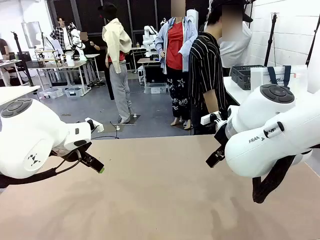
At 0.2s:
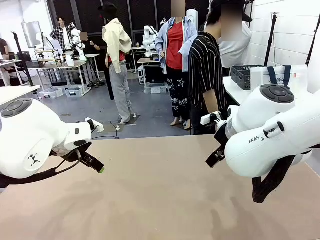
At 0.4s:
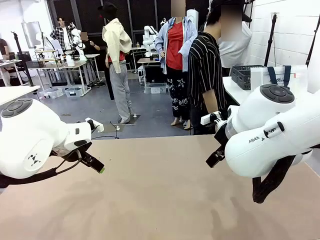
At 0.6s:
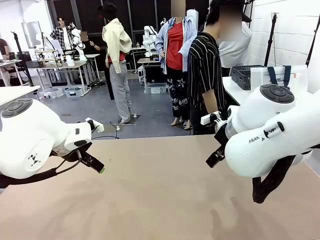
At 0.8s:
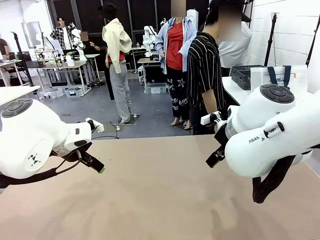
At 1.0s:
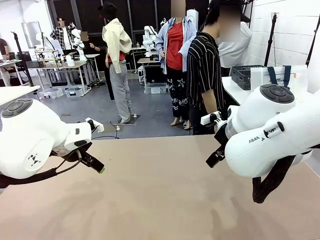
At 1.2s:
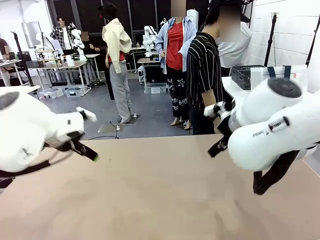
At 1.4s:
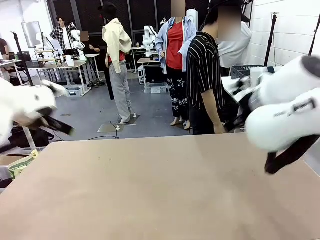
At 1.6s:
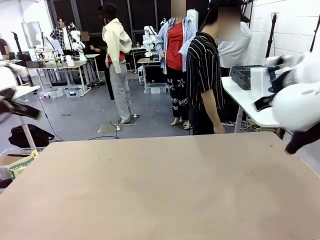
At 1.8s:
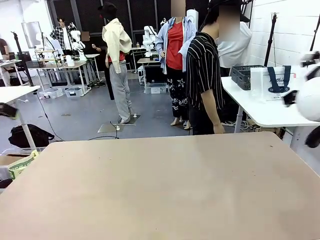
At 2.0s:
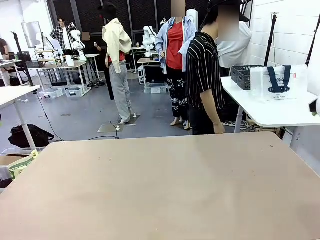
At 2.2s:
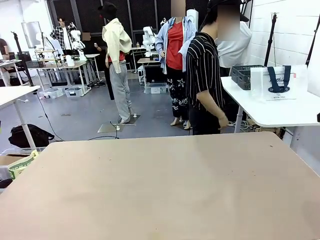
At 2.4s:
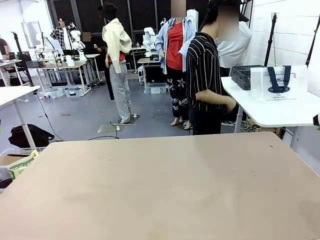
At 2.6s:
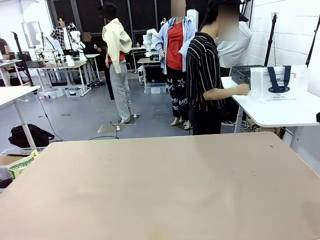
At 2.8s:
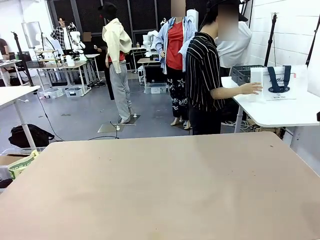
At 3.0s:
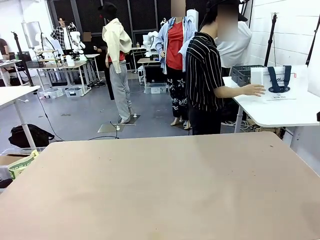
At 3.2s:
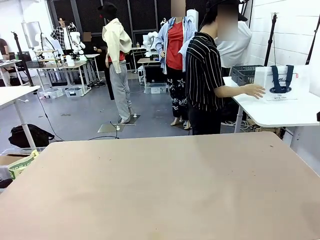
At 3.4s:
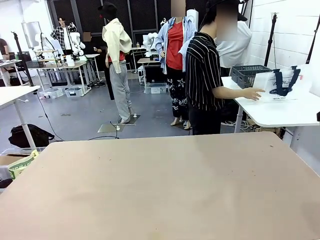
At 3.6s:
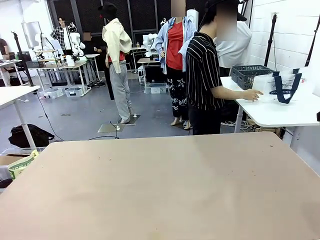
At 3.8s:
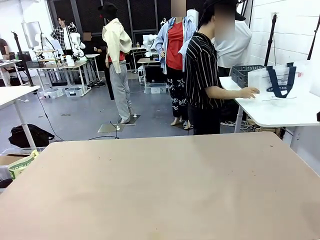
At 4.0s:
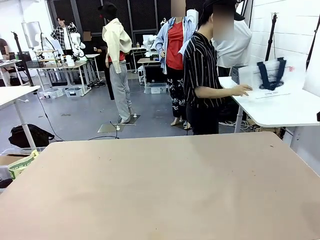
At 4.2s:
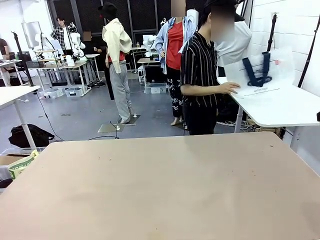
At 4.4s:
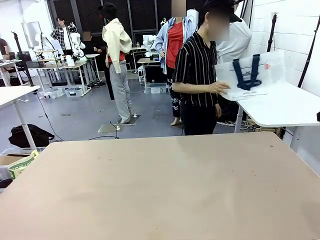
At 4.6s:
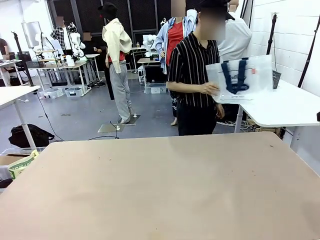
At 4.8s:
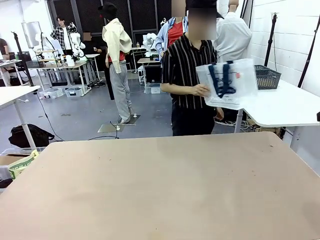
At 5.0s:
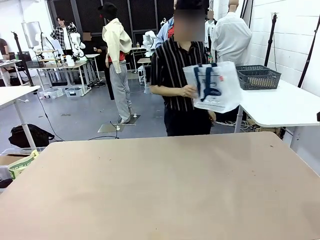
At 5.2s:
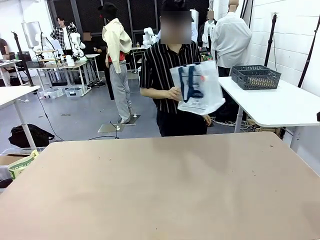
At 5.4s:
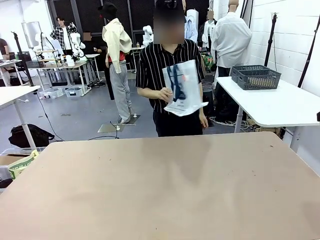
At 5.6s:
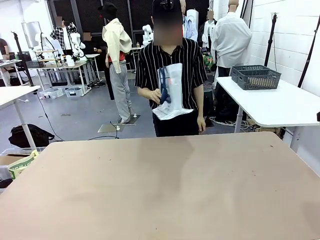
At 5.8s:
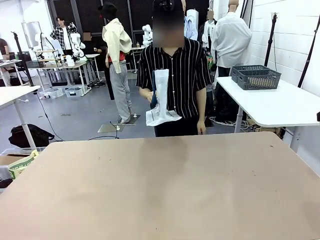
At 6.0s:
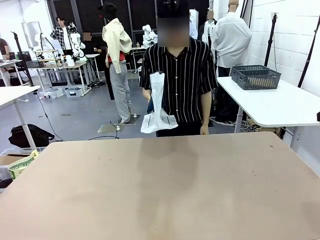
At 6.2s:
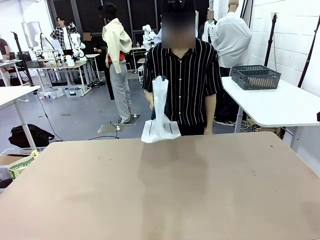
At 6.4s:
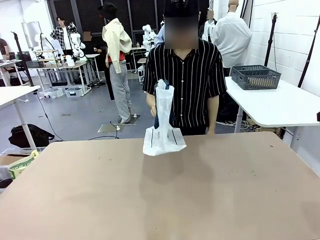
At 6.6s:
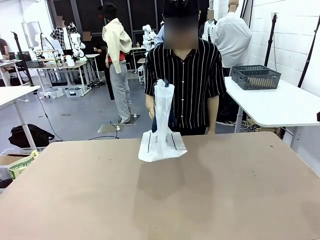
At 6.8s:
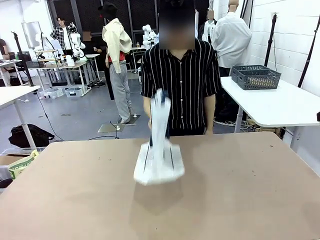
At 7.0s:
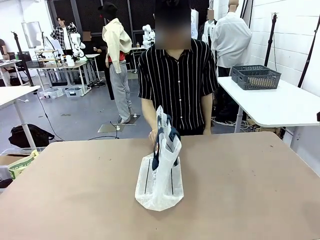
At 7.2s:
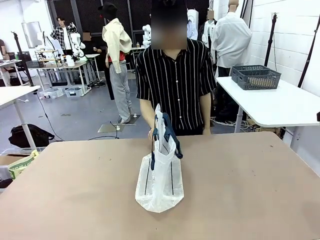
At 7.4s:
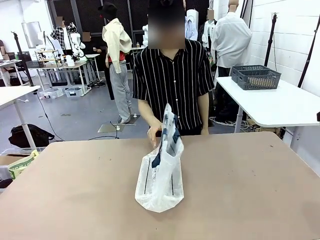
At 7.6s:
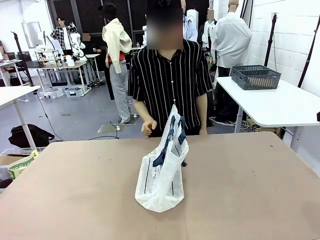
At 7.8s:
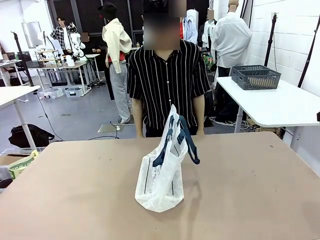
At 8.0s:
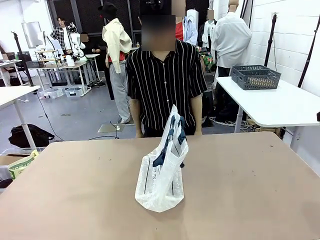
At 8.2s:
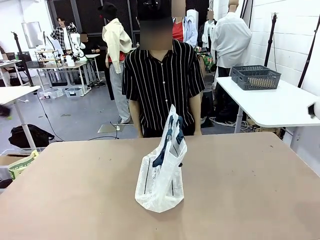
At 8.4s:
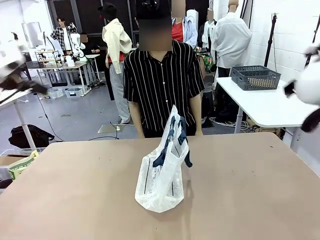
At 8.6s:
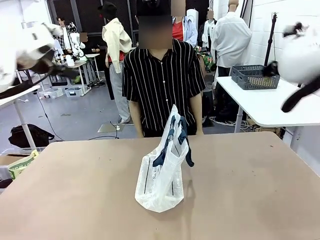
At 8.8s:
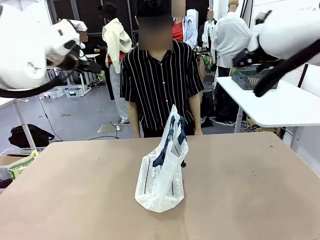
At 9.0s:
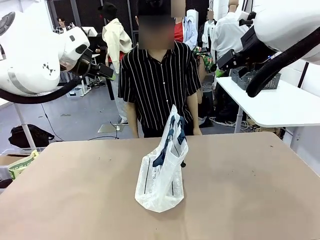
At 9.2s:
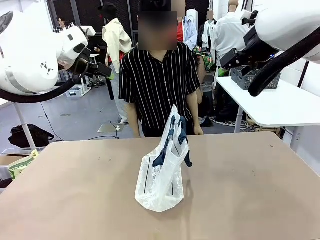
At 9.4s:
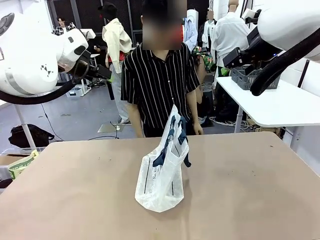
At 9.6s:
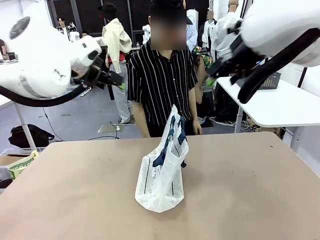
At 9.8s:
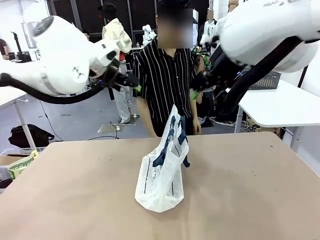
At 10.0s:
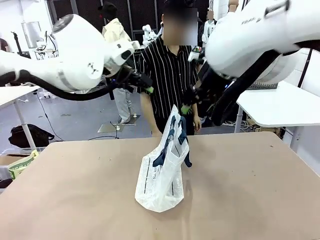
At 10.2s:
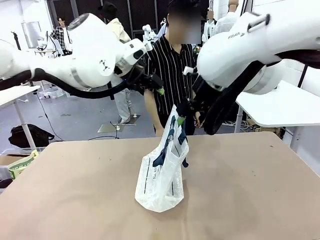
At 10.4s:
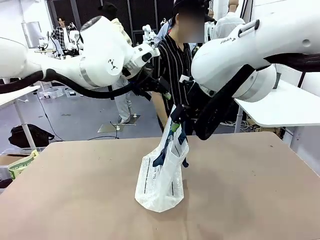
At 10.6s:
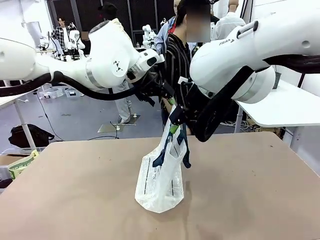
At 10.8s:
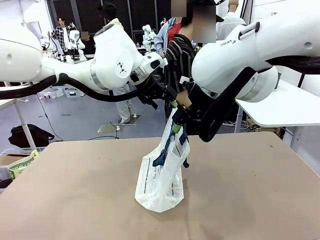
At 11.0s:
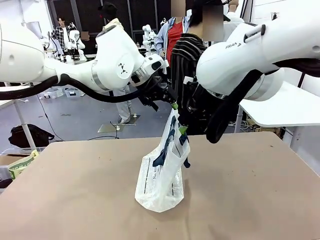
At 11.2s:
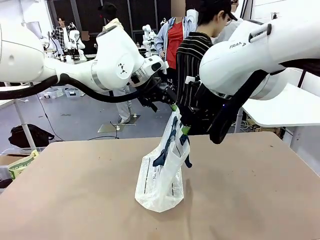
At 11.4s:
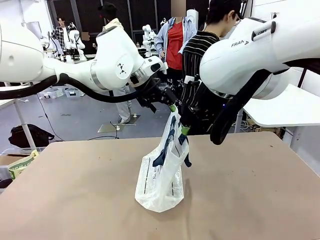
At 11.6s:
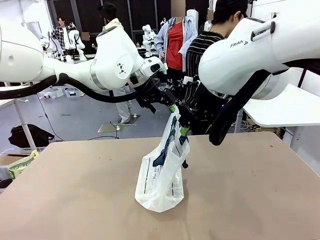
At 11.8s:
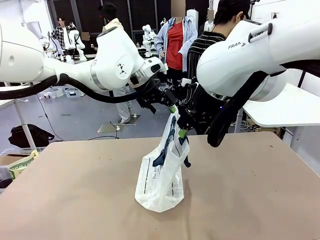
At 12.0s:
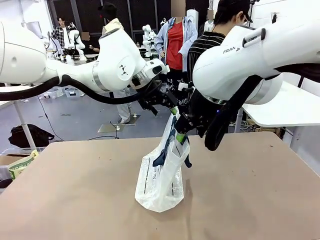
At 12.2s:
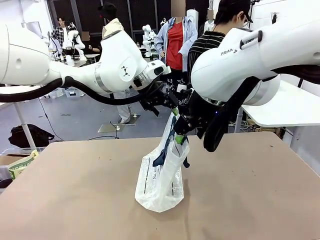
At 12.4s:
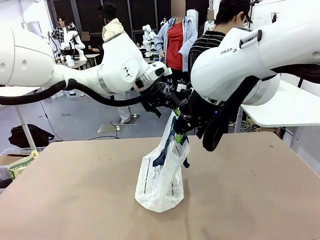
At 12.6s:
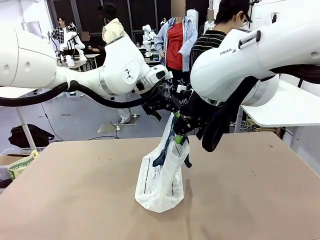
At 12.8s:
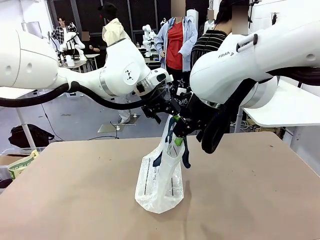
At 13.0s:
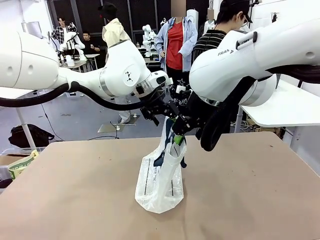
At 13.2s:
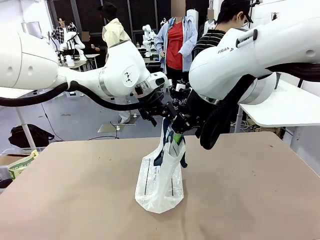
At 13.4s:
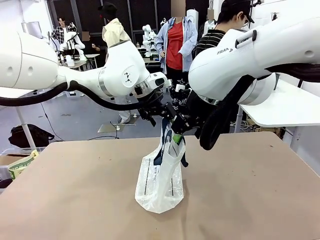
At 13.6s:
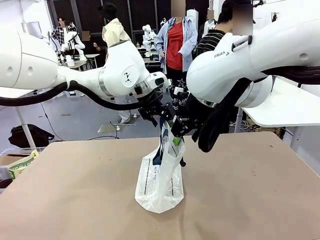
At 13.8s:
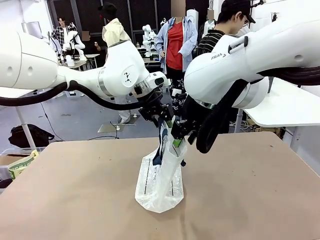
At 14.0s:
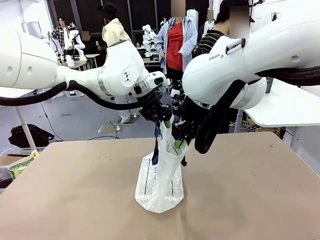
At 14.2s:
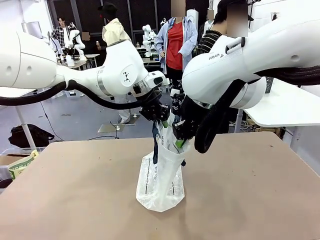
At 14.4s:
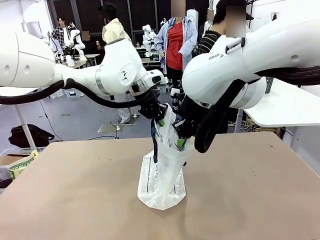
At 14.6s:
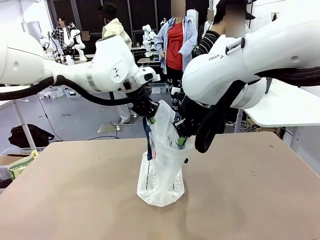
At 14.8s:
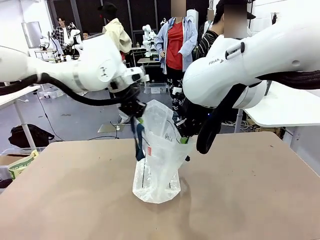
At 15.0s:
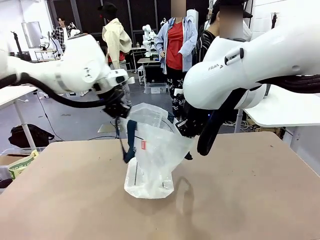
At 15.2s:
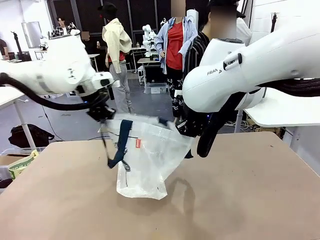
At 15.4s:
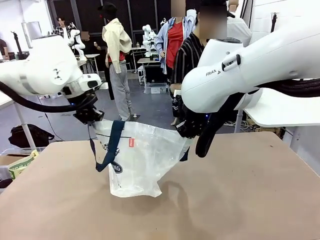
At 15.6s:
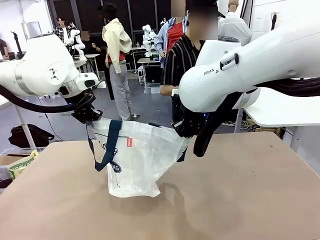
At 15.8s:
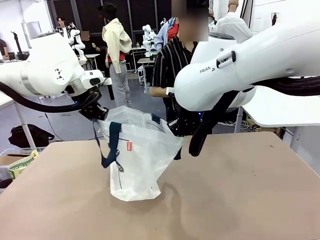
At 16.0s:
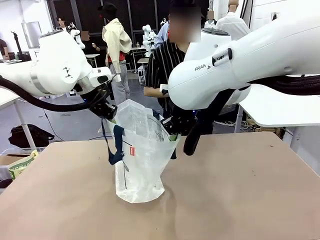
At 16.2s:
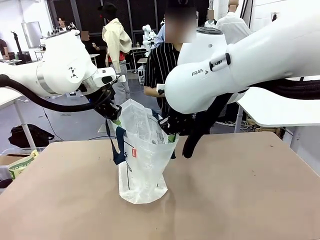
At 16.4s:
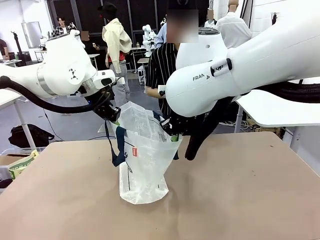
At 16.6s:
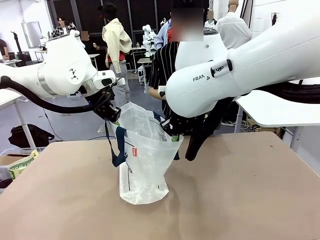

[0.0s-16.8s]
Task: Transfer purchased items from the store into the shopping bag.
Robot: Open the Reusable shopping bag in the center of the table.
Person: Pick up the shopping bag and place it in the middle of the robot table. Pick up the basket on the right, place it on the left side of the robot table, and move the items in the basket to the shopping bag.
